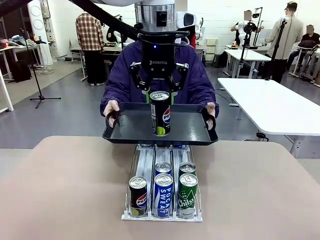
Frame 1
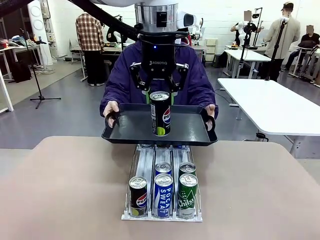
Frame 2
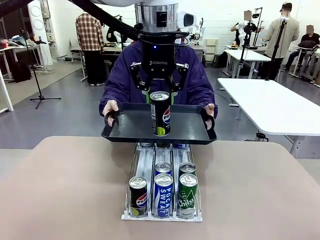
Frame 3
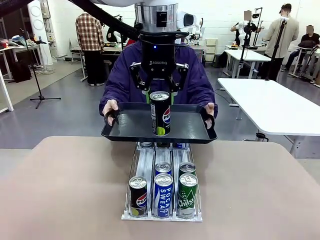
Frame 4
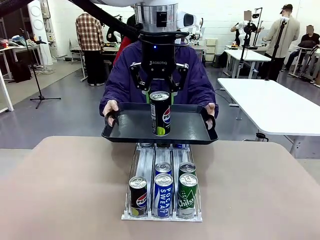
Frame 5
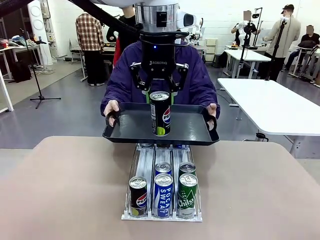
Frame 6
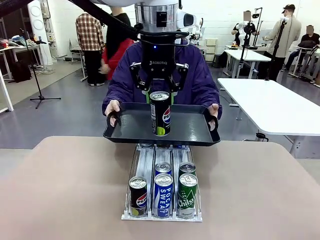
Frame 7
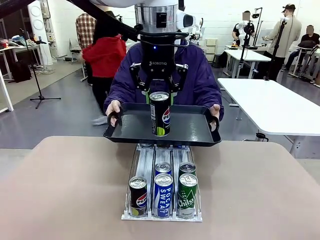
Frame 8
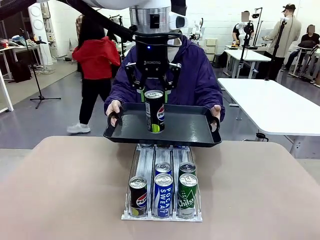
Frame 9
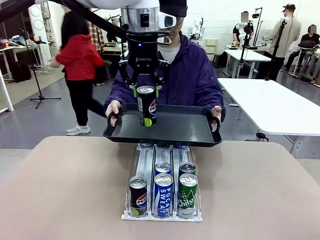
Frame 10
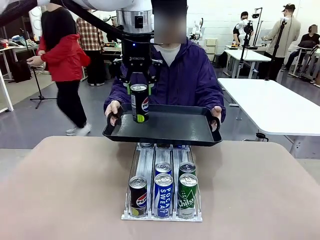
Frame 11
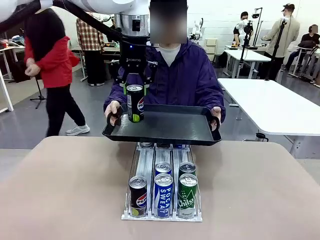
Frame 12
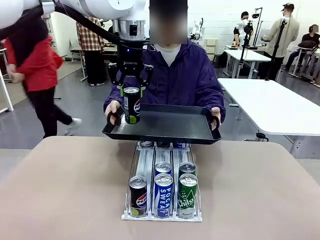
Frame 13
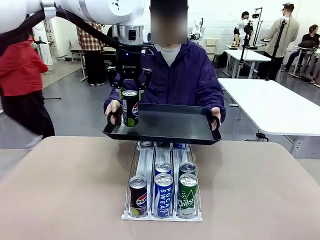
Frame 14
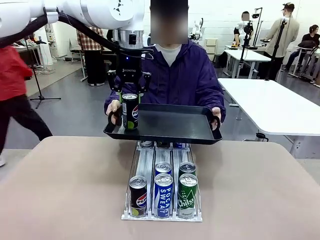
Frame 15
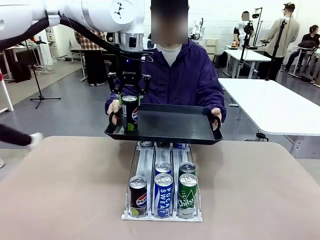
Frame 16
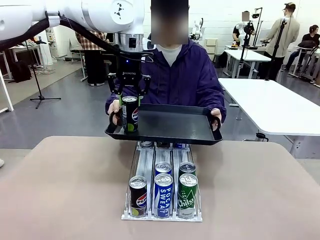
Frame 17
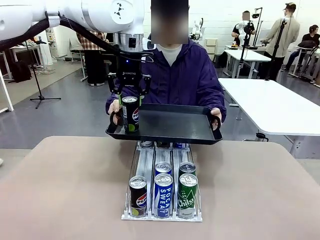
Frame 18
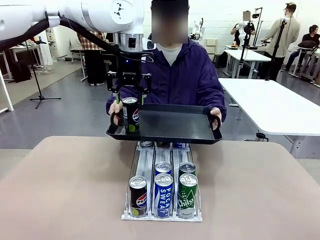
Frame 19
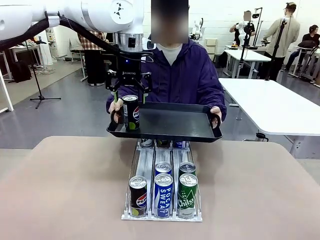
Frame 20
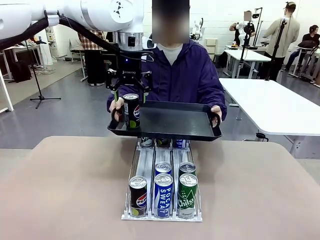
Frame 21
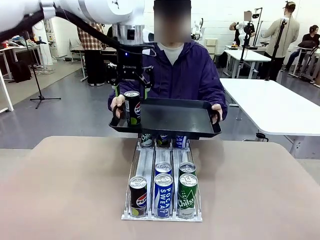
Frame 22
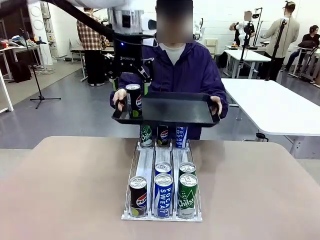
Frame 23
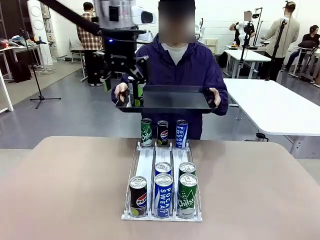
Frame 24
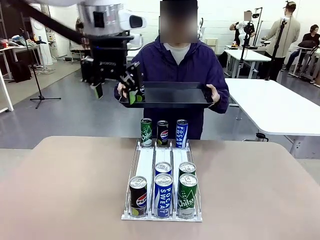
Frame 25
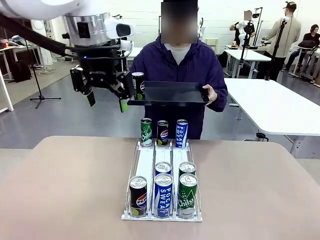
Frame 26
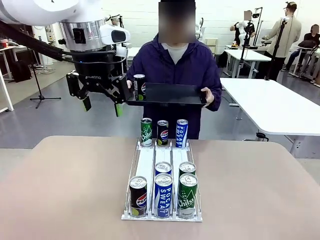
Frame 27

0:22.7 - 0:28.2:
Task: Retrieve and hand over the desired beverage to the person.
Robot: Place the picked can on the Handle tray extended by the person.

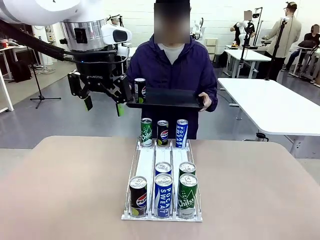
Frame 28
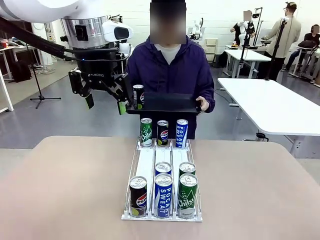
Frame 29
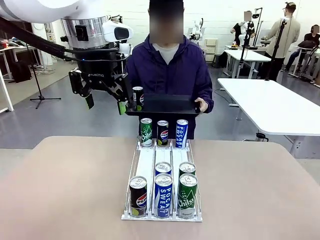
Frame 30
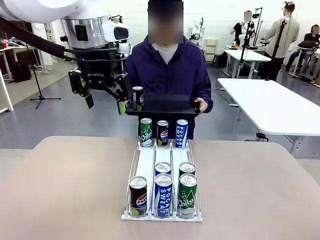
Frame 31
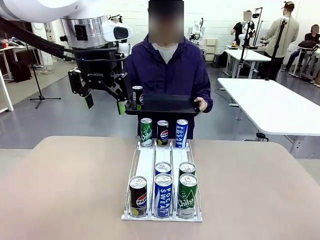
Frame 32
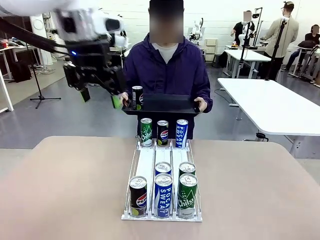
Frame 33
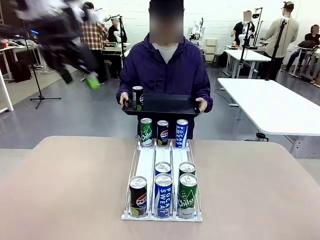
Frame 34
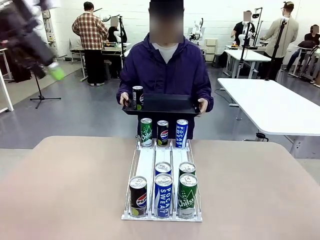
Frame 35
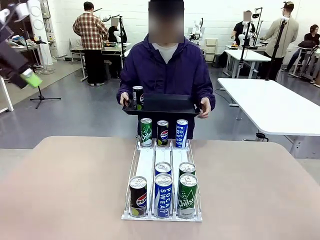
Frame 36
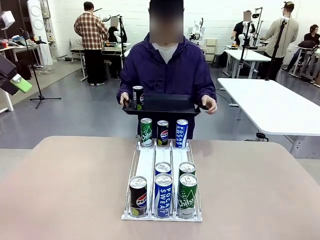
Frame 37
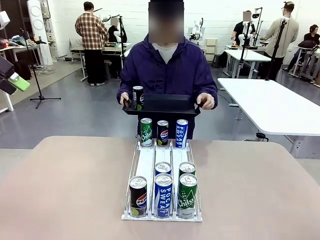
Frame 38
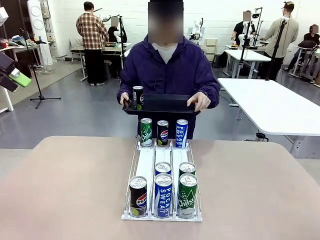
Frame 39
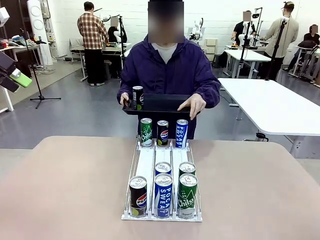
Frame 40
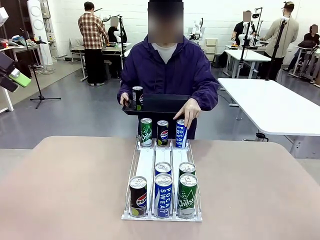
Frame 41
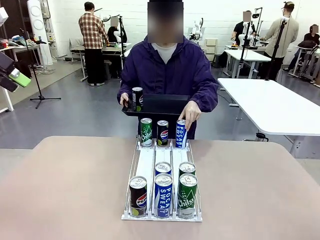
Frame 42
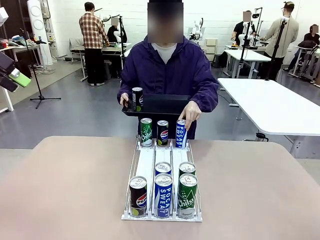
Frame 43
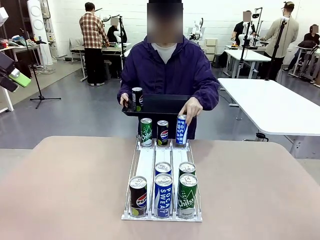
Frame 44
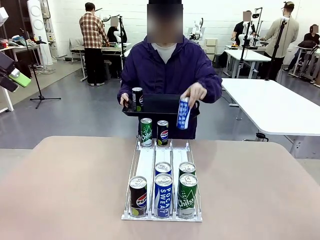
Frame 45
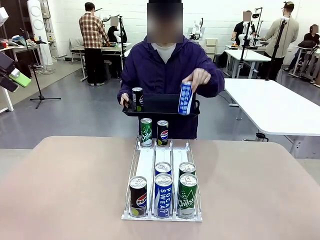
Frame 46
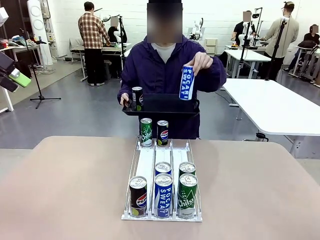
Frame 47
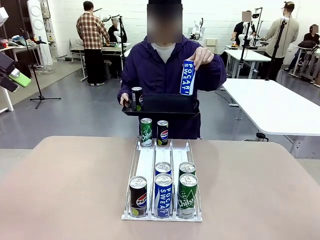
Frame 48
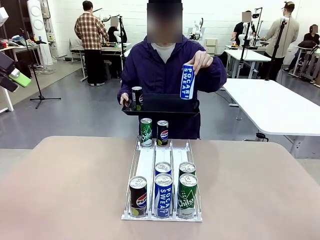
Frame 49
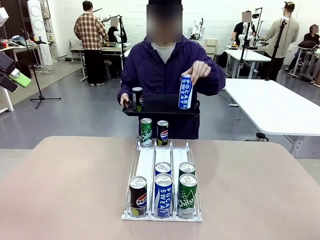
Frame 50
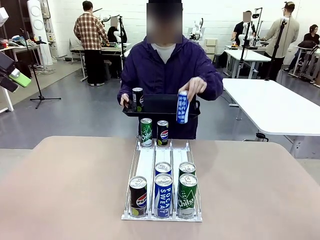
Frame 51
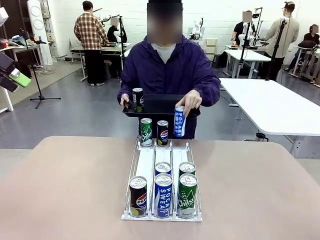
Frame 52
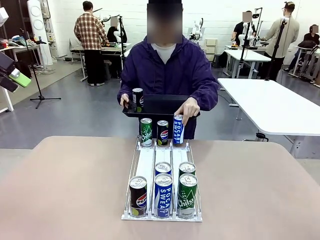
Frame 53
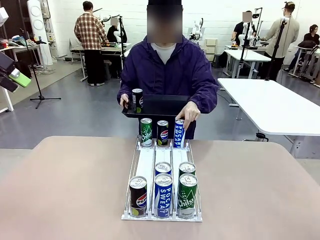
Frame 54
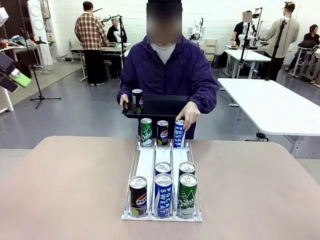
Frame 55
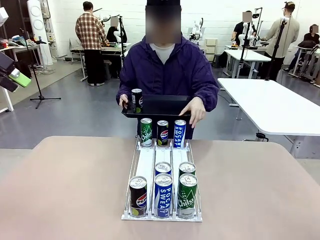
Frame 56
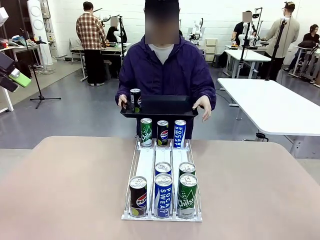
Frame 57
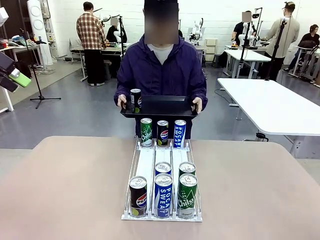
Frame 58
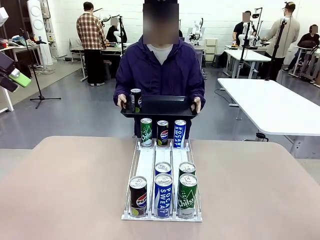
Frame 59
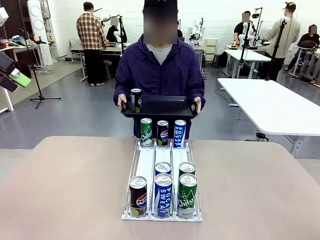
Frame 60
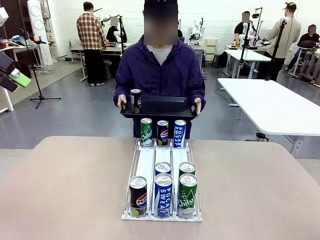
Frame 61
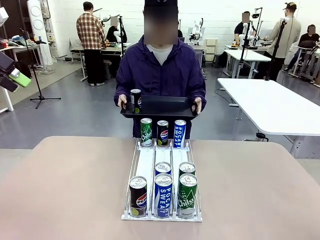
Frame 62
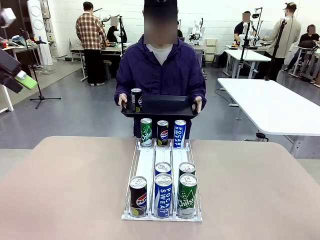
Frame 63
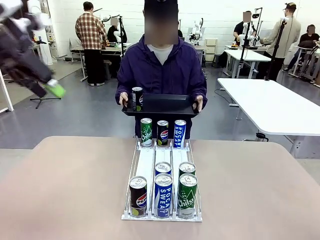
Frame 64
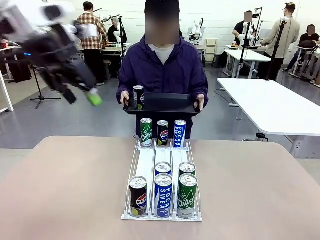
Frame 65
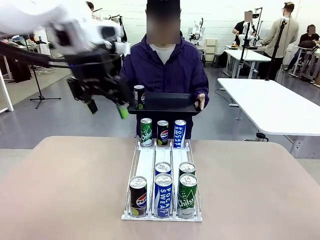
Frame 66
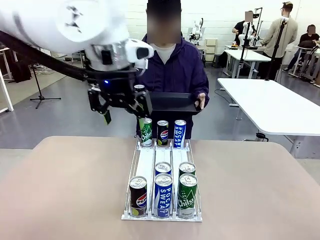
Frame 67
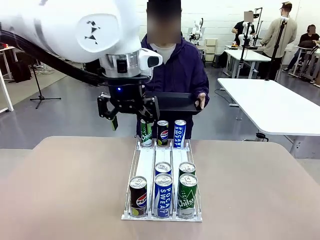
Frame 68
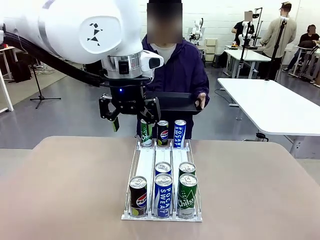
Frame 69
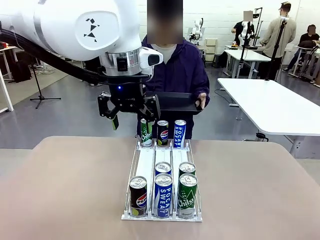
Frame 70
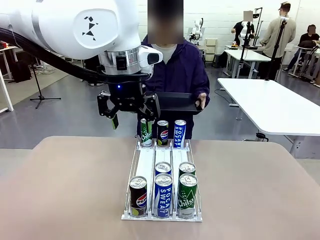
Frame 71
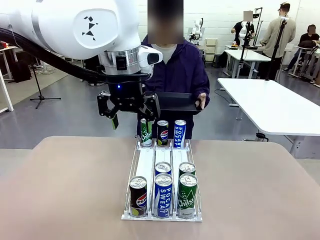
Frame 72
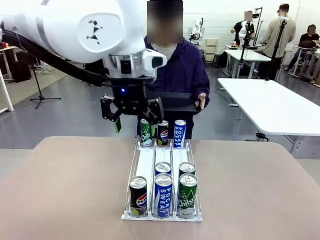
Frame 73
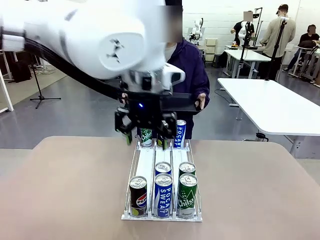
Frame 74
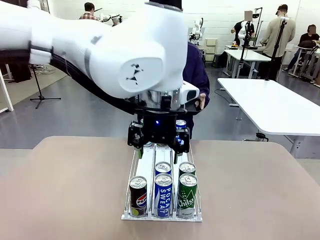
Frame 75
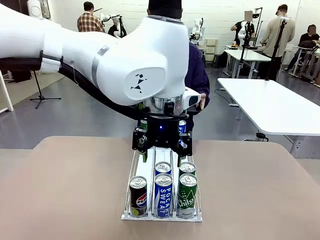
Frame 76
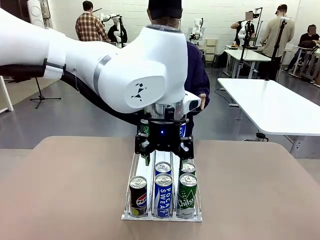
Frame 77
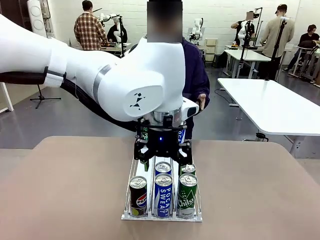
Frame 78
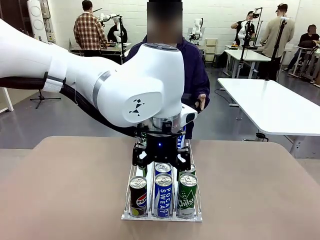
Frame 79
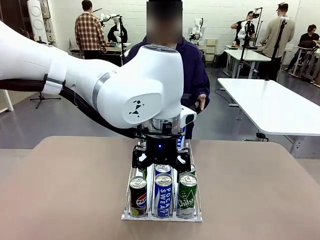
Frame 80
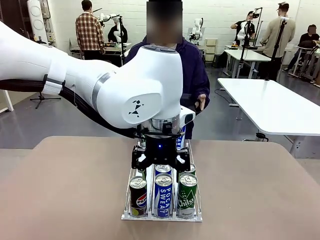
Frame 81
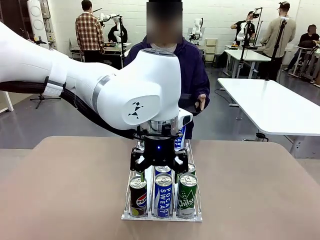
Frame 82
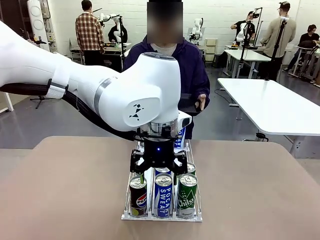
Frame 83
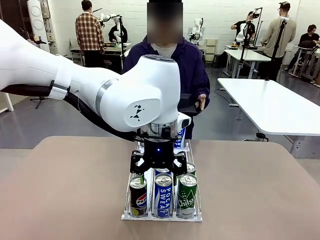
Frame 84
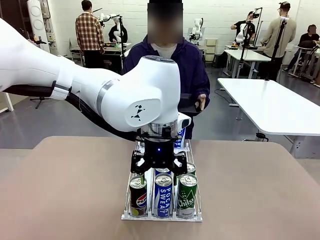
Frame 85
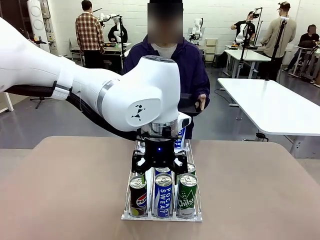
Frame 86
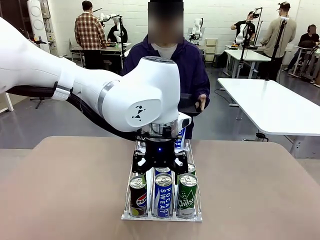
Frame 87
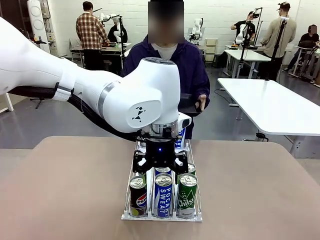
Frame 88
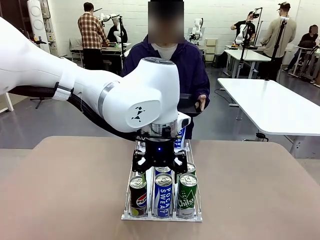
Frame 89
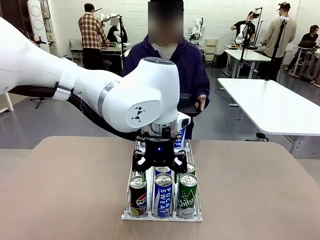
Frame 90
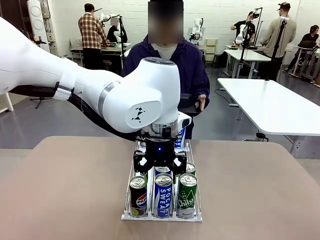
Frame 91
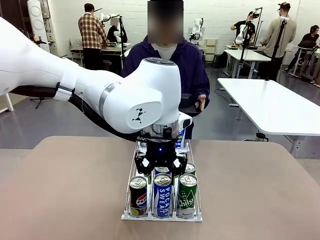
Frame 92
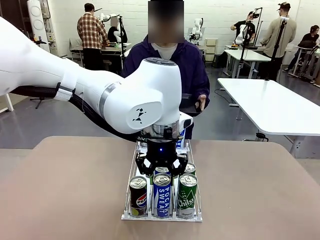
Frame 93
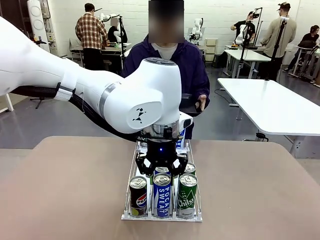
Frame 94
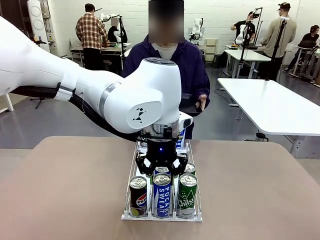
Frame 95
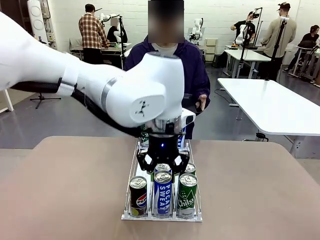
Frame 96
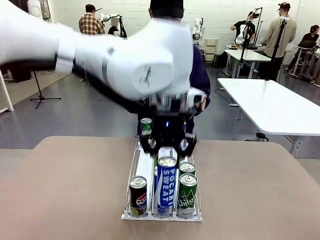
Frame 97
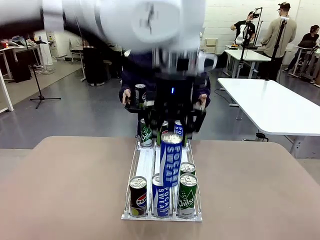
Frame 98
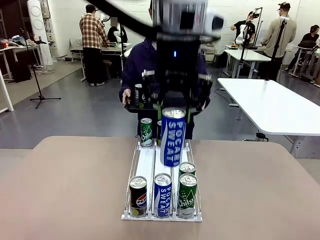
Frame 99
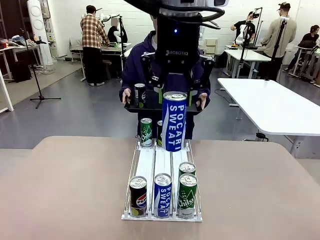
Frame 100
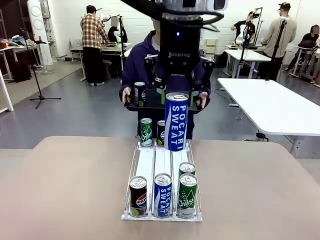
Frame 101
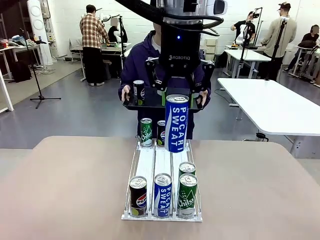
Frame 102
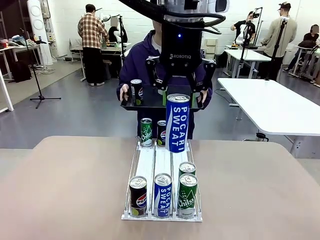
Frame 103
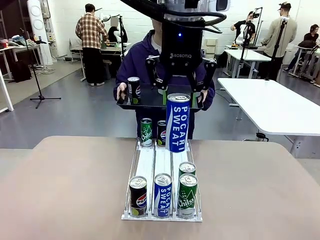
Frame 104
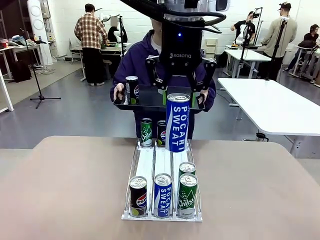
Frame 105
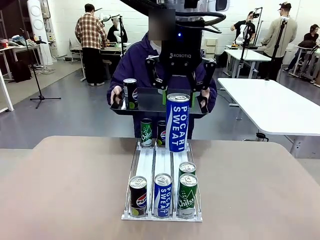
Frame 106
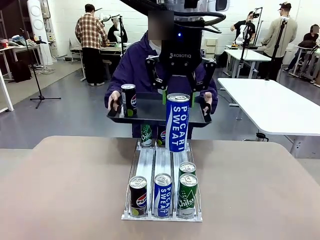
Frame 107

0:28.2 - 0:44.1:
Robot: Pick up another can of the same type that the person held from the Automatic Can Dispenser.
Person: Pull the tray back, then pick up another can from the bottom area of the table and puts it back in its original place. Push the tray toward the robot again.
